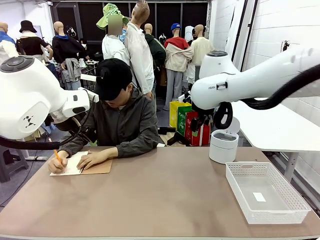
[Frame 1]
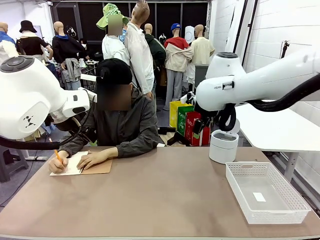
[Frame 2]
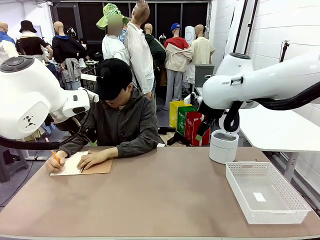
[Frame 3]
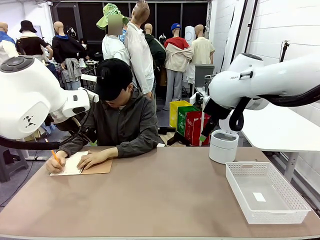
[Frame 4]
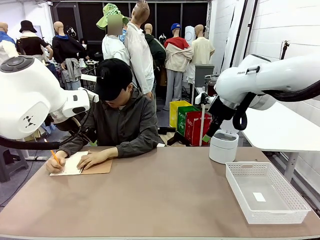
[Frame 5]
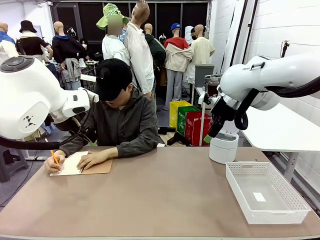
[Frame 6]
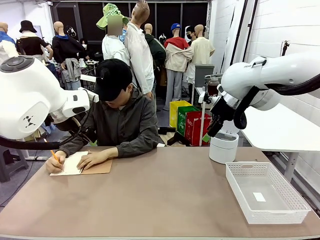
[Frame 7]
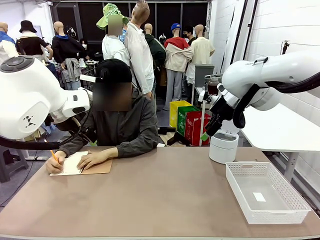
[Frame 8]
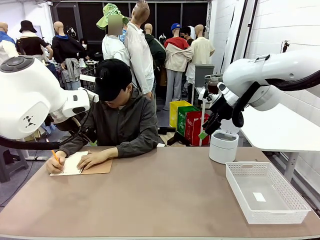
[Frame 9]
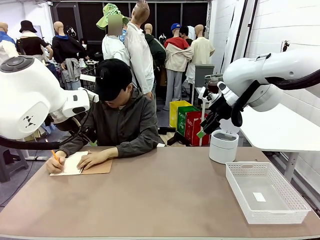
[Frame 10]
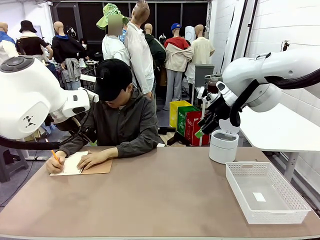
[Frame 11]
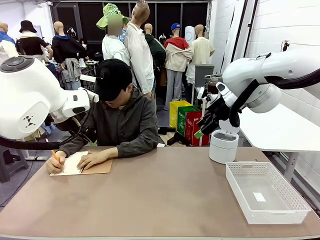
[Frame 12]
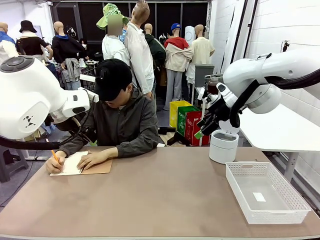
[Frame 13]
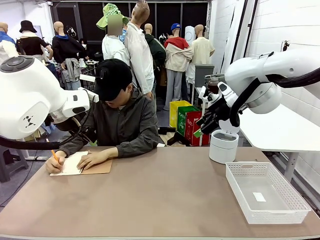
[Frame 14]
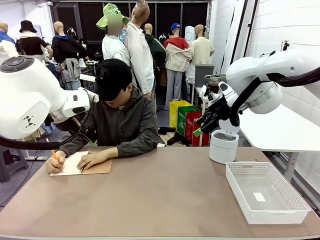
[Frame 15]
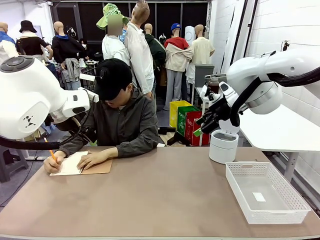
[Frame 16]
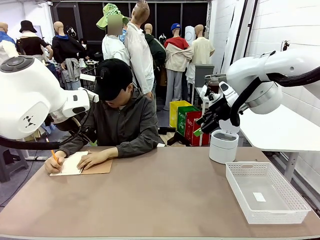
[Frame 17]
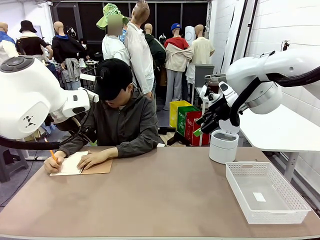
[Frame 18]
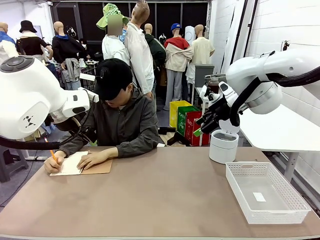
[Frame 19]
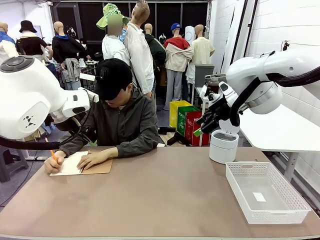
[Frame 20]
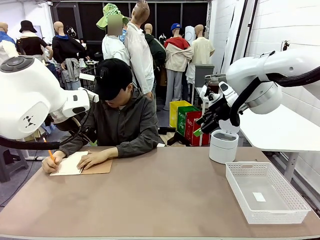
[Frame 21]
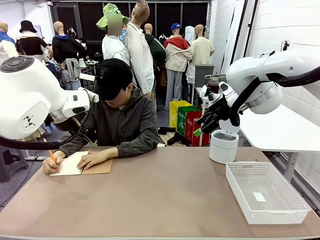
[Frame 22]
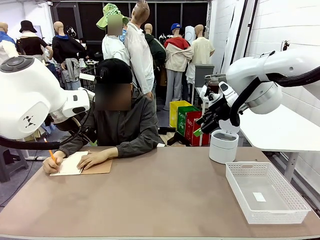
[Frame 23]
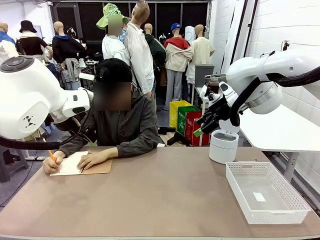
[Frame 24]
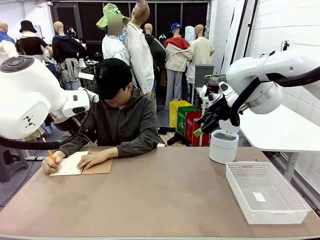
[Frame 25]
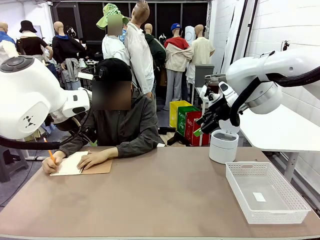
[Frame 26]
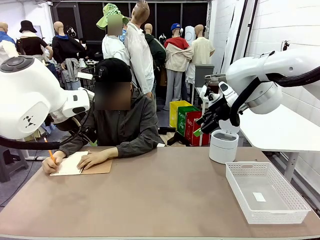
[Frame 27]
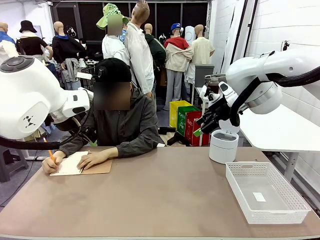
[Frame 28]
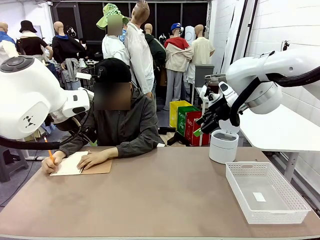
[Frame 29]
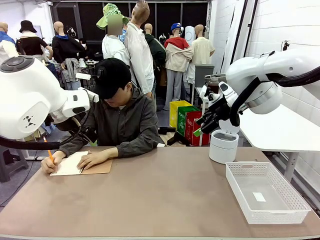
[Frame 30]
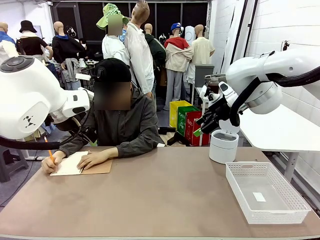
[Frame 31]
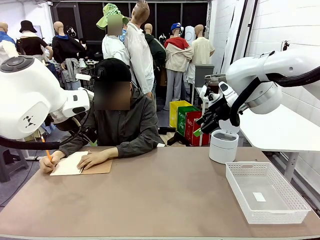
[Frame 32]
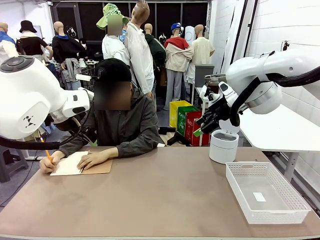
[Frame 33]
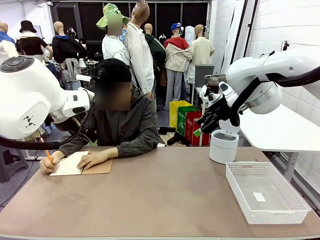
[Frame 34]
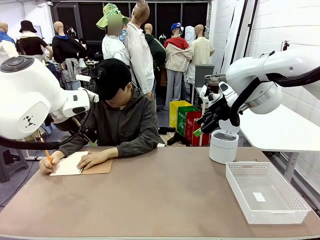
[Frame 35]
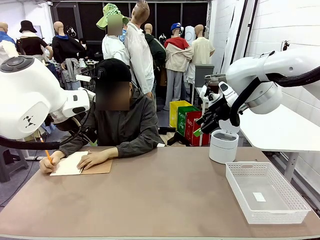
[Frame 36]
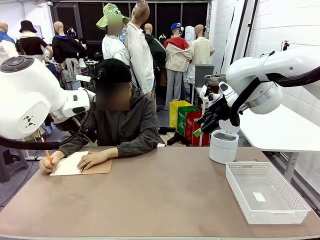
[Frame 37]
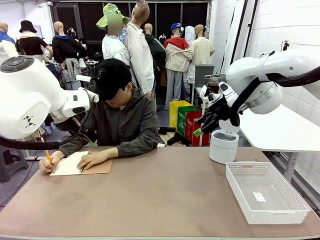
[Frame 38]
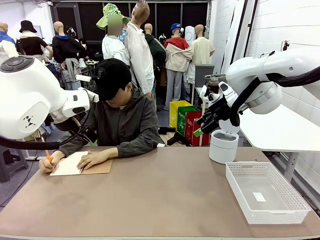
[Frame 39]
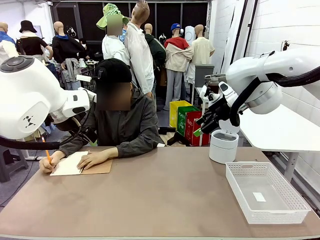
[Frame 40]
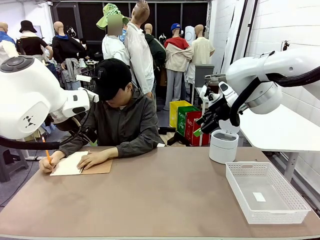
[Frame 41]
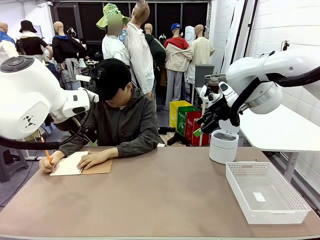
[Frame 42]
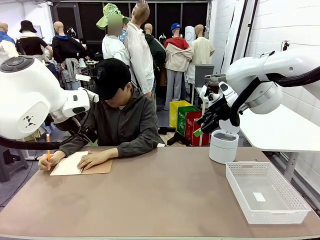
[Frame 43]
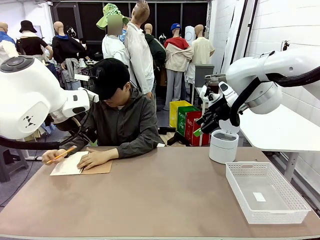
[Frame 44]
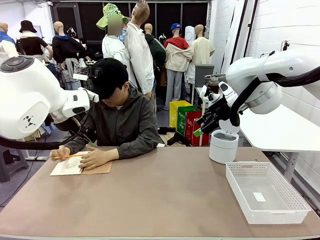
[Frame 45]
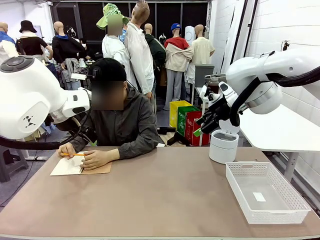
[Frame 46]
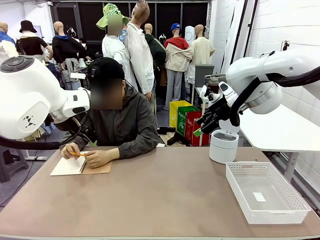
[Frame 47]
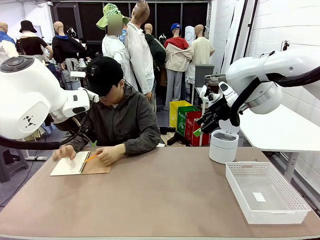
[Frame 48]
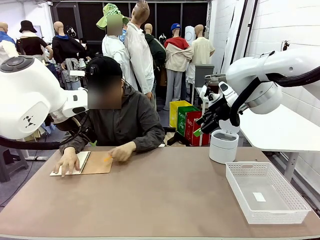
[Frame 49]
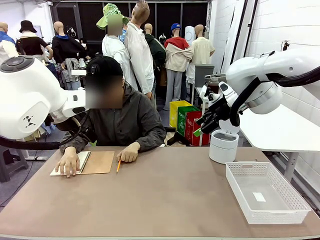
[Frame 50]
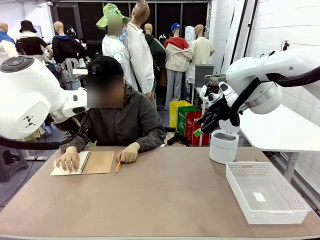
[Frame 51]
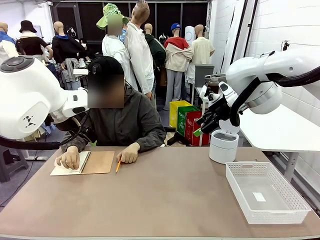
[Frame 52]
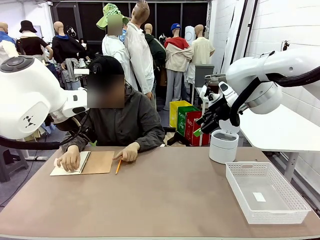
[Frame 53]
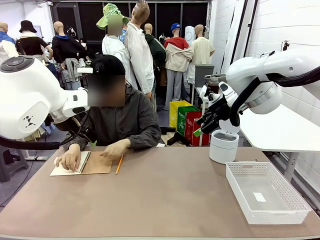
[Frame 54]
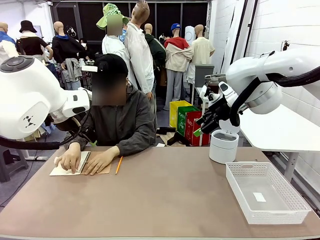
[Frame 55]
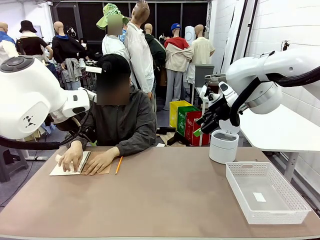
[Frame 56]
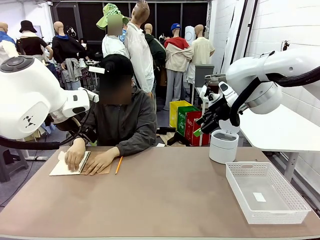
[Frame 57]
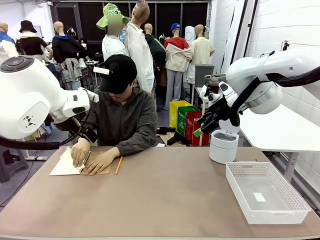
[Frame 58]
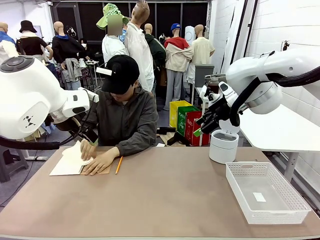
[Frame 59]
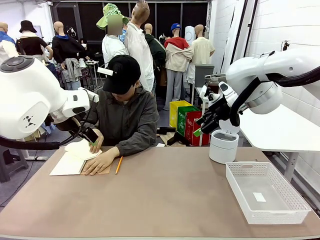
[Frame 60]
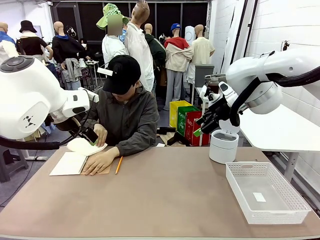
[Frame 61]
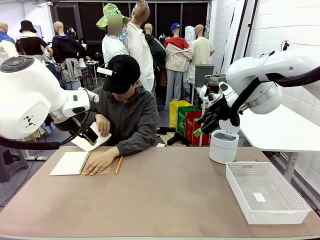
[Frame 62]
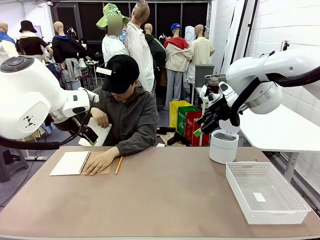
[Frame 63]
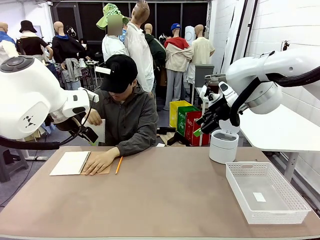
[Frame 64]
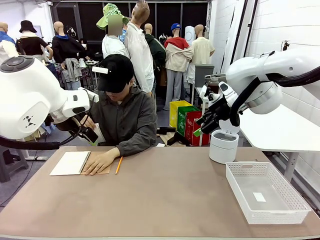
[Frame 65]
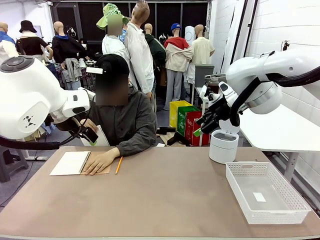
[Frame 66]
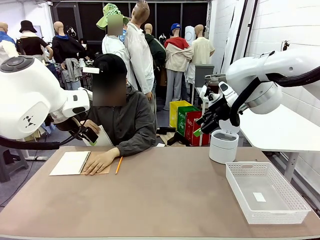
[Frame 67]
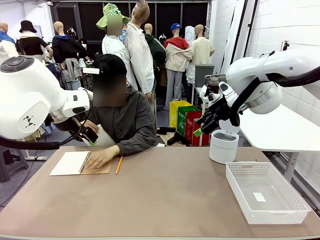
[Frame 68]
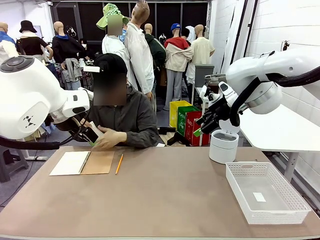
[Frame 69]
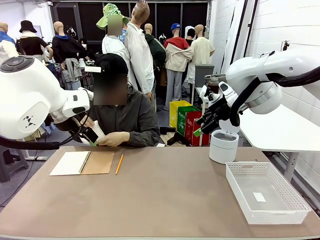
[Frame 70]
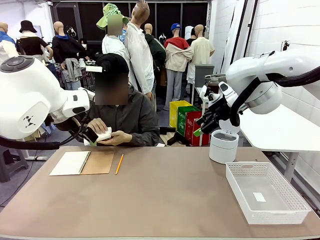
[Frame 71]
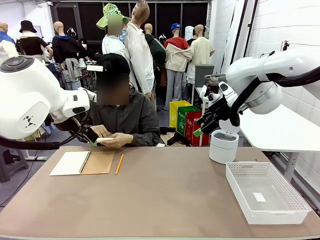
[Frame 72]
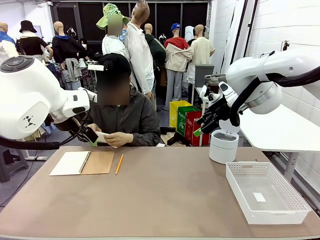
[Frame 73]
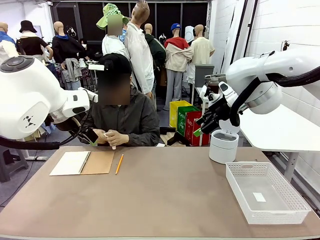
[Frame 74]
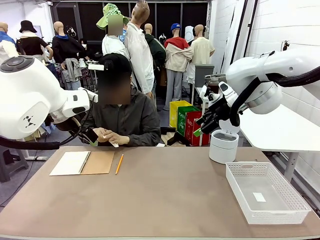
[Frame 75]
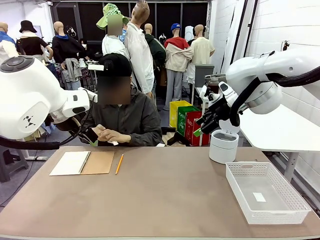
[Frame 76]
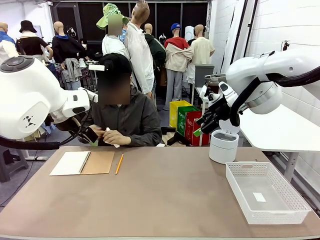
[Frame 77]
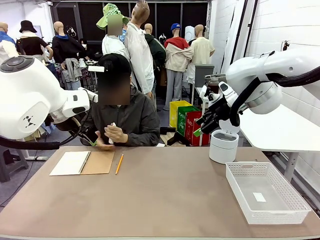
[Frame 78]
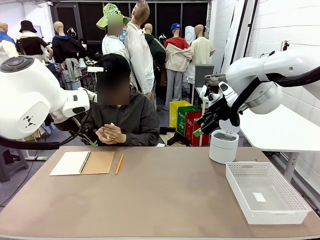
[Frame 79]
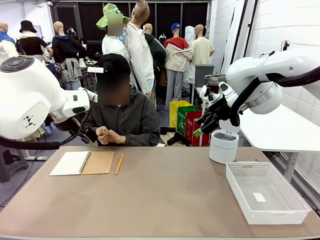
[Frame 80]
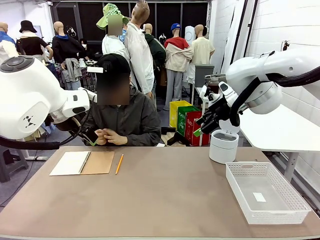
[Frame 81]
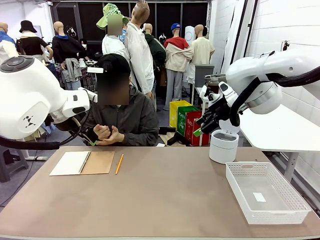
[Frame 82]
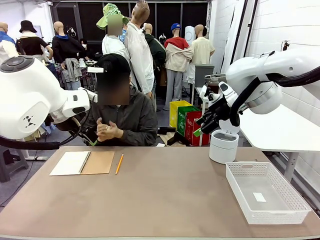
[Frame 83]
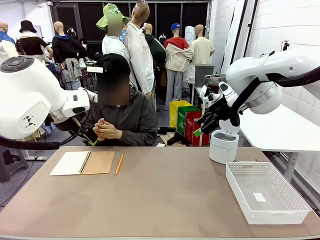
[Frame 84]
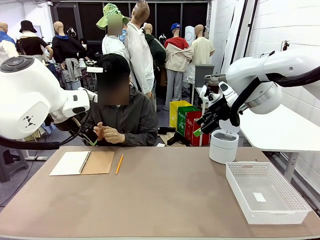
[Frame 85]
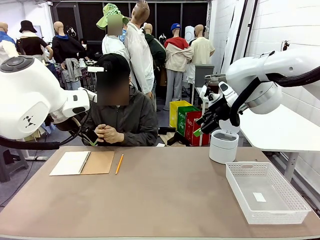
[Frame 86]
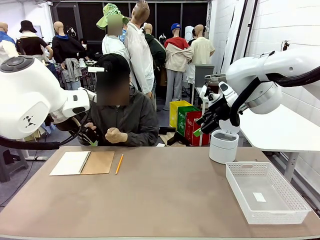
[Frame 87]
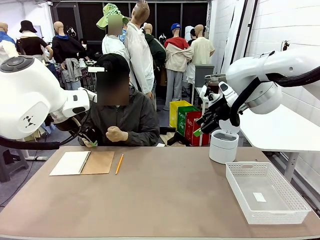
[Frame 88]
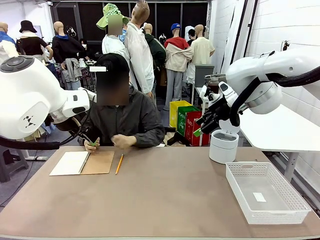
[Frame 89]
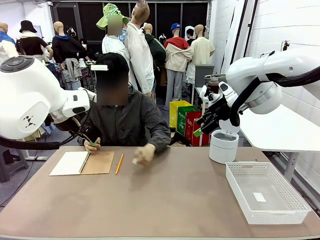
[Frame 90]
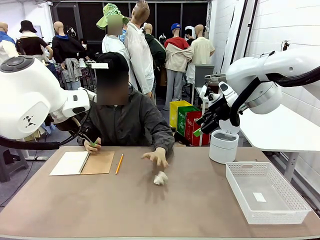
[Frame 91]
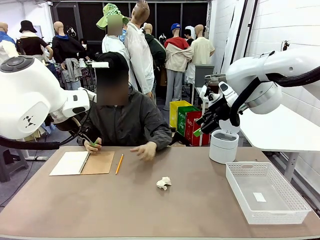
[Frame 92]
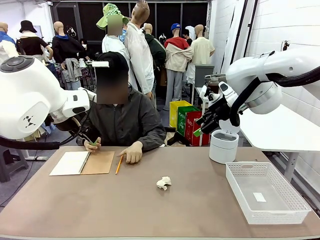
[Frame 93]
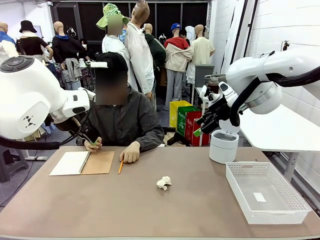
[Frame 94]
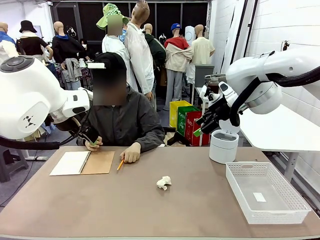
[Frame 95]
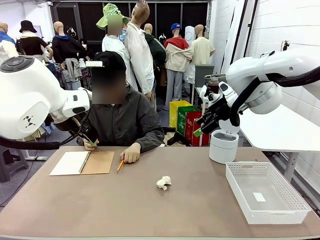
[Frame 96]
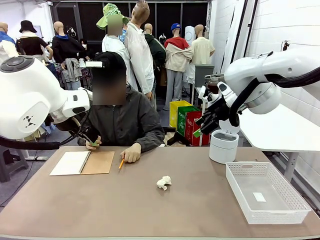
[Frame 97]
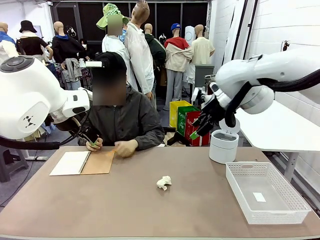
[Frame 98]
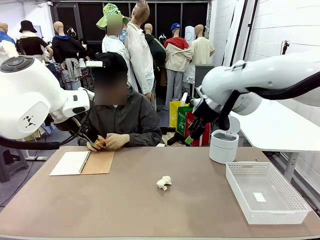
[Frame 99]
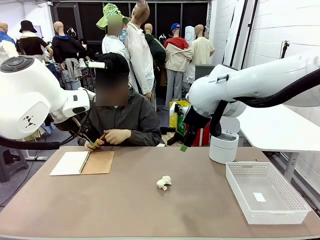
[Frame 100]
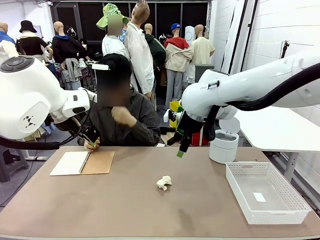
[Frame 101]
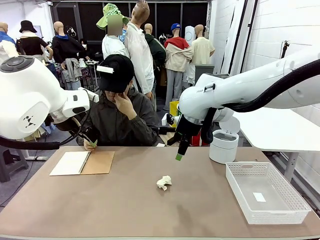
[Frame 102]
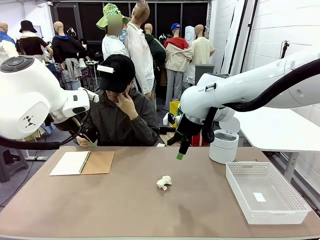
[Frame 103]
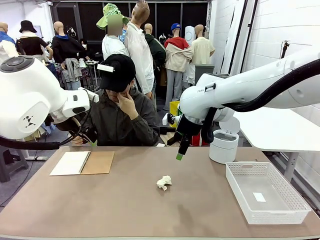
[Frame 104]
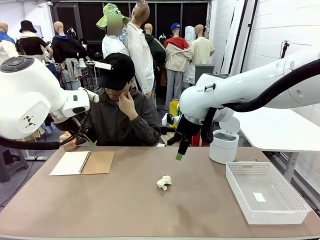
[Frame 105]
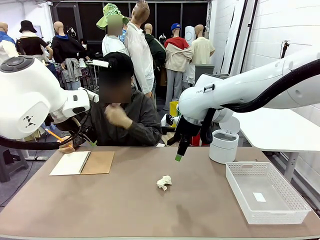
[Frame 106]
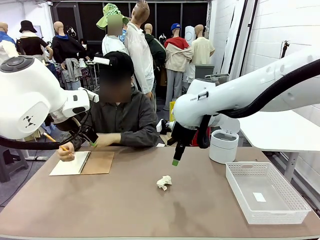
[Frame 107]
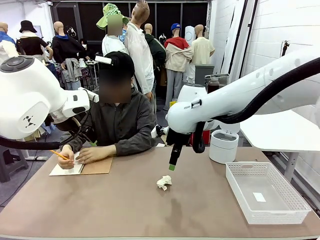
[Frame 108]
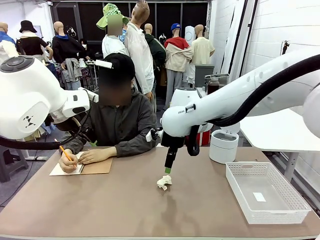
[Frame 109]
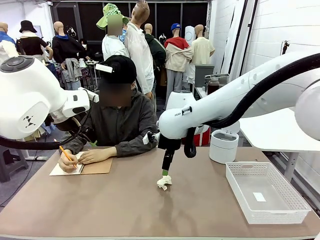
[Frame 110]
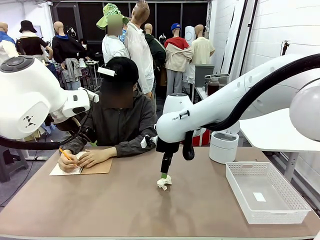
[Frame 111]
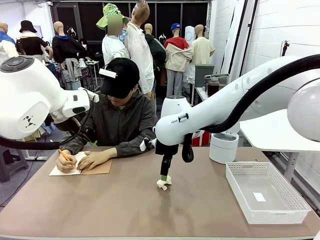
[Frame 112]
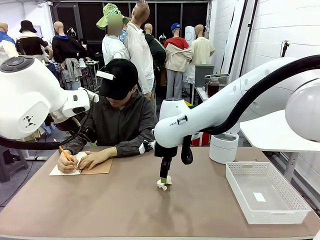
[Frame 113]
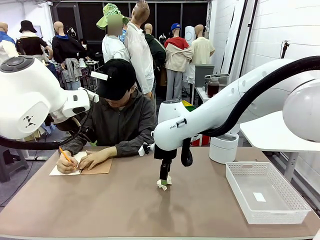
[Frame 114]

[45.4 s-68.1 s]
Task: Sort the paper based on its condition.
Robot: If a person hands you a paper, place it in the Organizing basket , and if it's crumpled, put it in the Trash can.
Person: Hand the torn page to the robot or crumple it and throw it to the center of the table.
